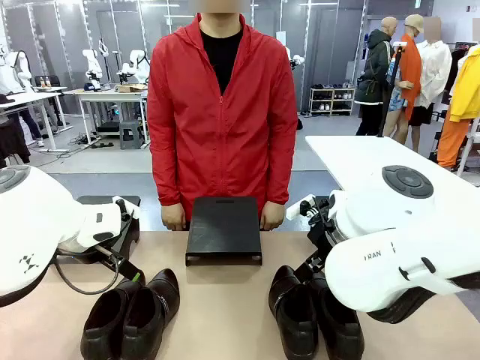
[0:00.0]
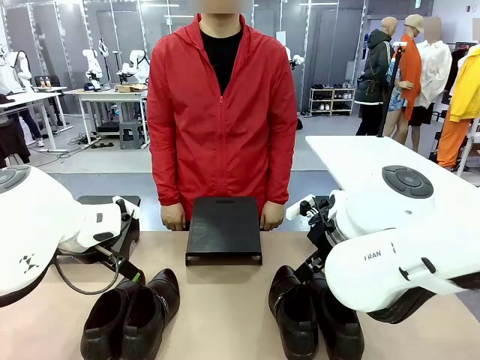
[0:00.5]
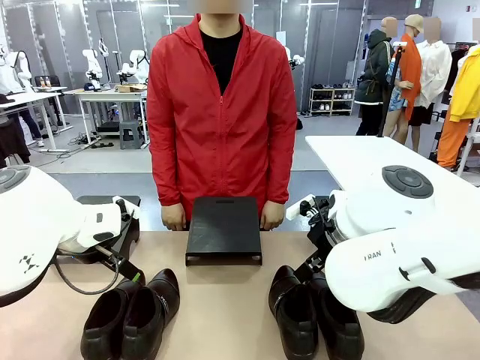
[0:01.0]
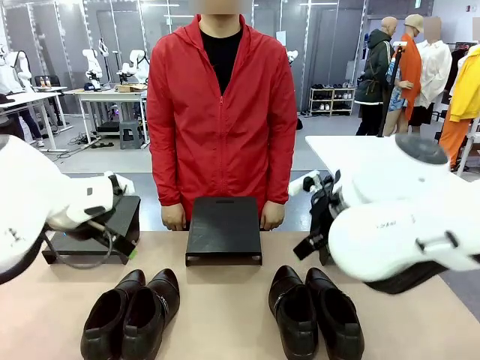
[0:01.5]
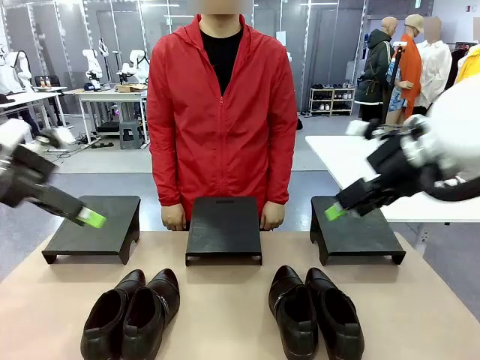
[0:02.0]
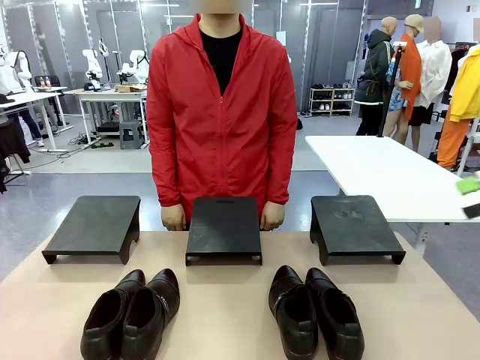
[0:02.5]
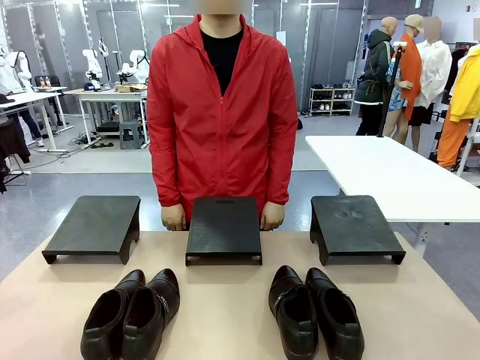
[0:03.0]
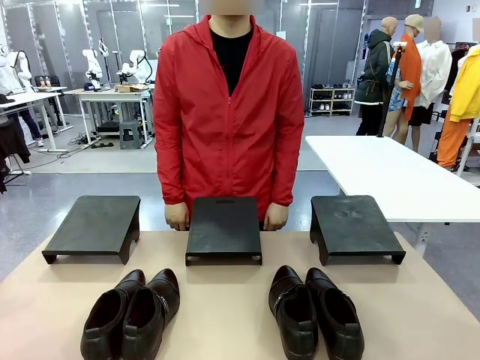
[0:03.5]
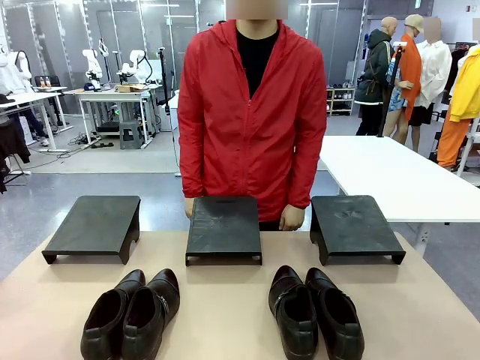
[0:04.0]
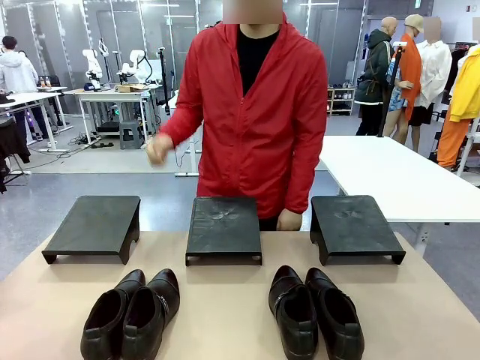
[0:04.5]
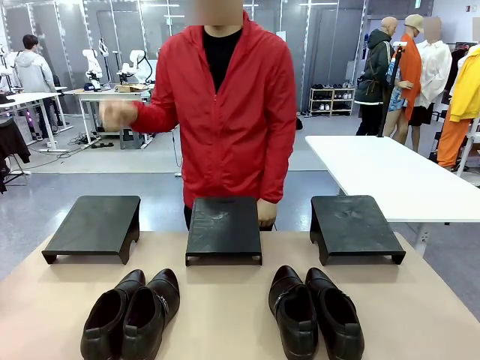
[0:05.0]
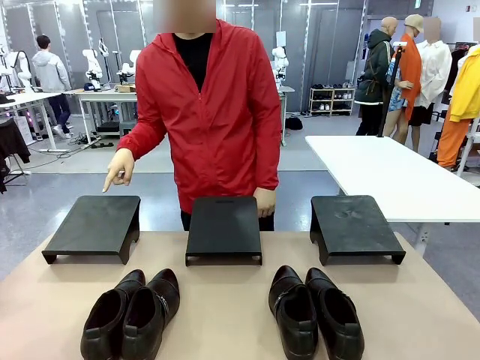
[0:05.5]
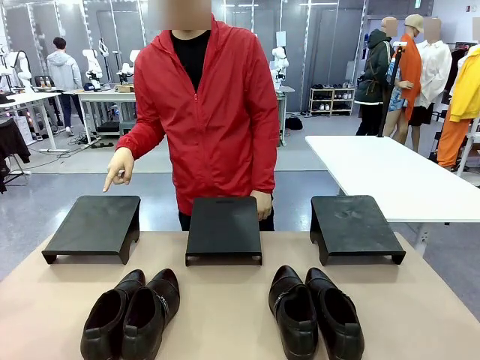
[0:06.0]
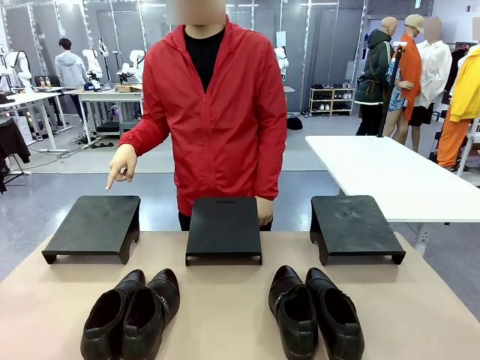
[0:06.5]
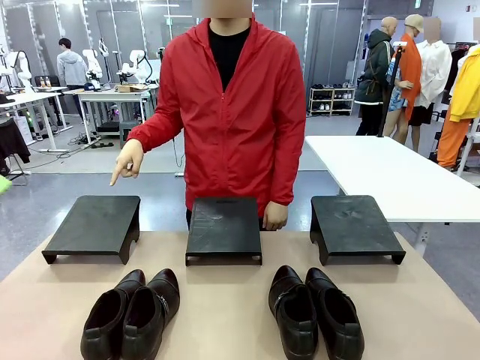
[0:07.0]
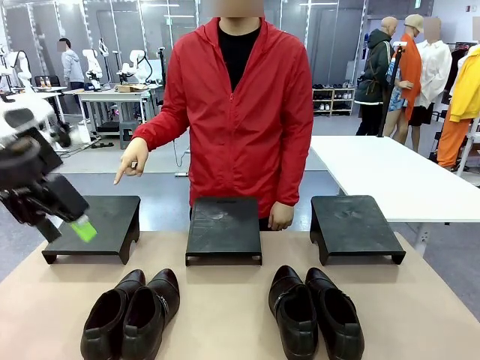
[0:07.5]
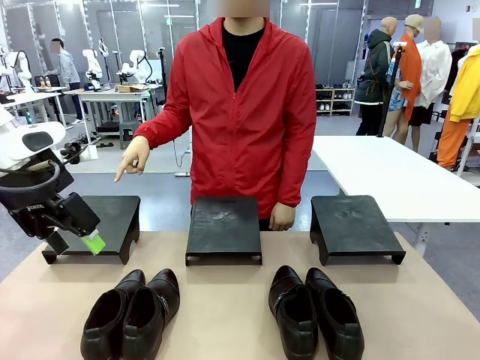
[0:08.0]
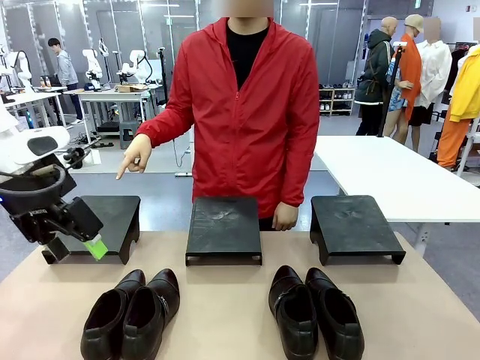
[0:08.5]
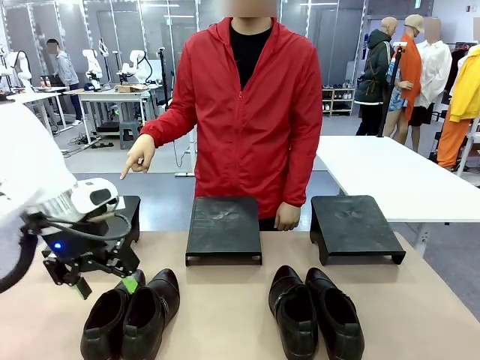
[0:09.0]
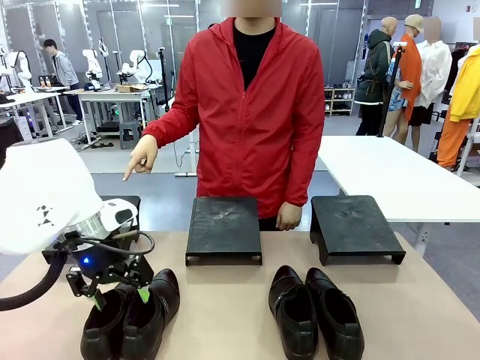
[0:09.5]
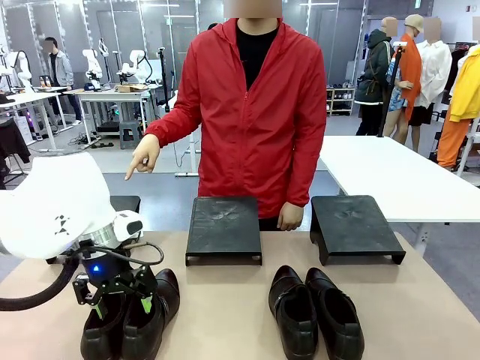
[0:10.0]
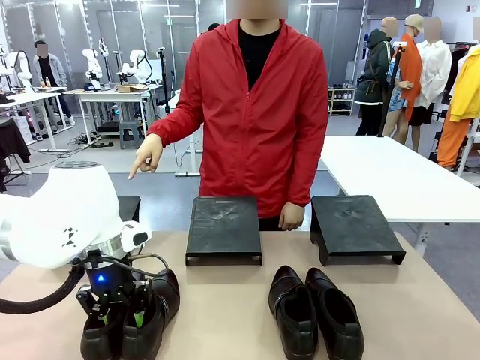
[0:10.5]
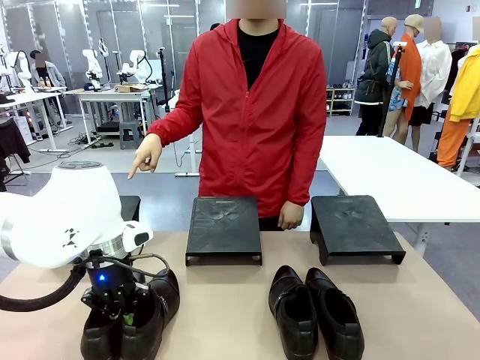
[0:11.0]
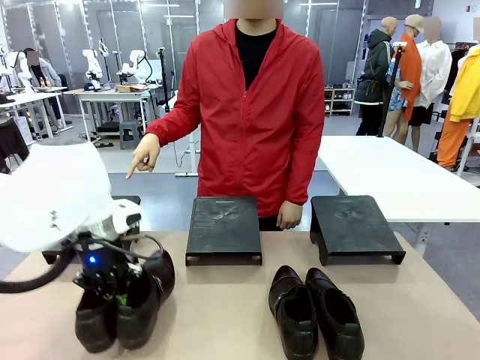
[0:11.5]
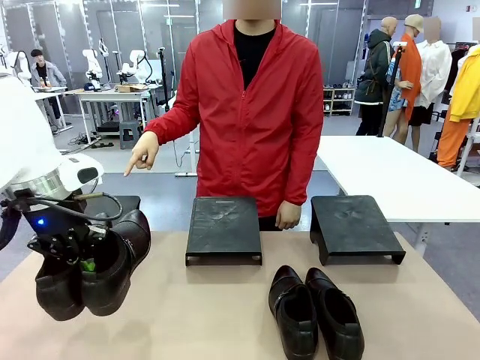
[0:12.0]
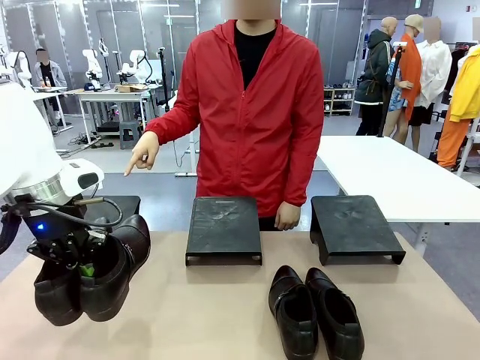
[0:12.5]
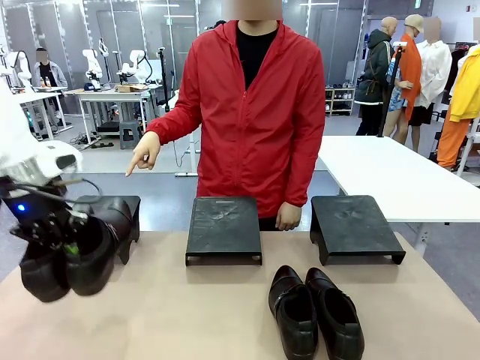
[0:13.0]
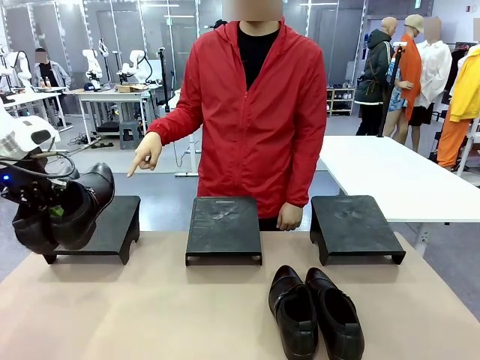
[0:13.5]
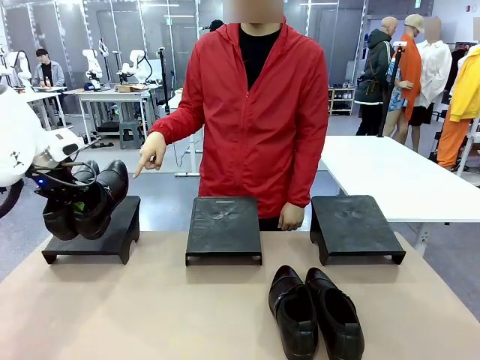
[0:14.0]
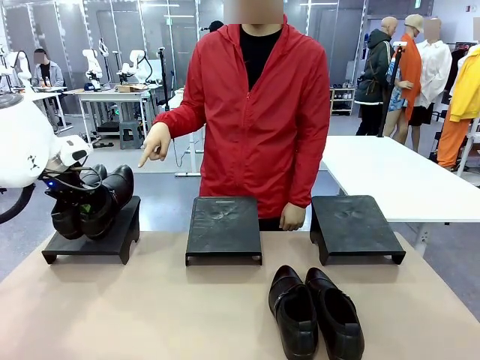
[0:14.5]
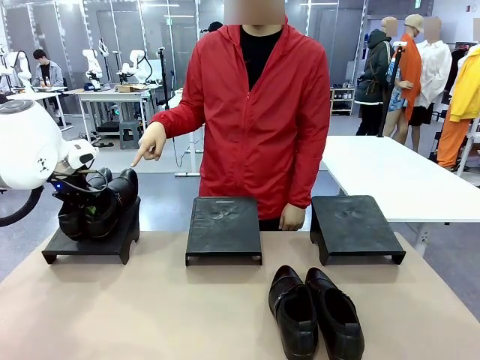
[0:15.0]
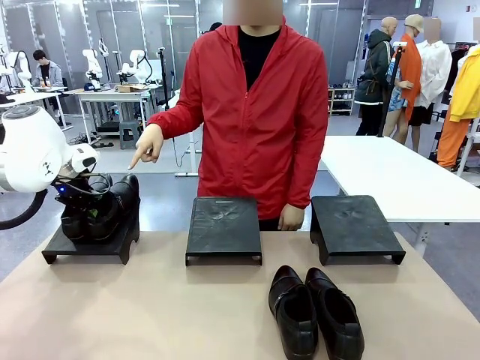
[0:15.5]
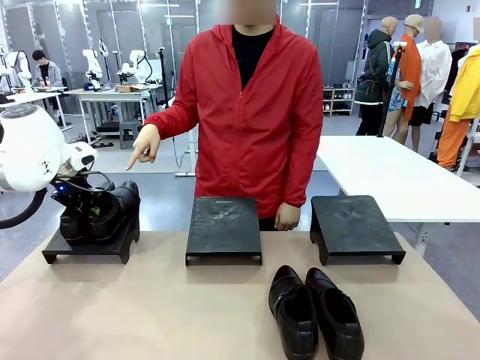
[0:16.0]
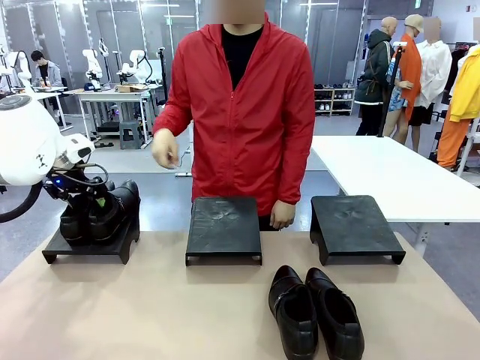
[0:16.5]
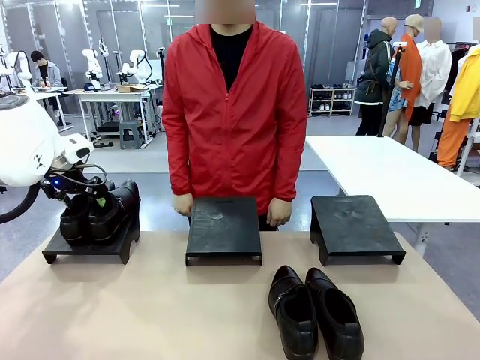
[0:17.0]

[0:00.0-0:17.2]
Task: Place the shoes on the stand as instructed by the person.
Robot: Pick up one pair of Shoes and place it on the Shoes Stand indicated by the person.

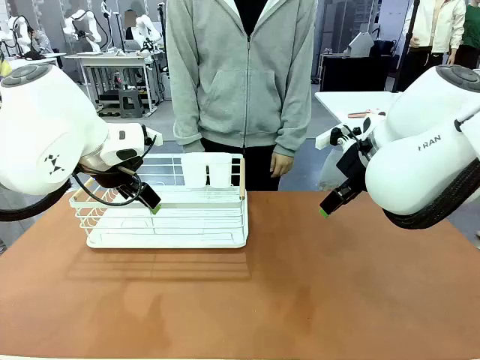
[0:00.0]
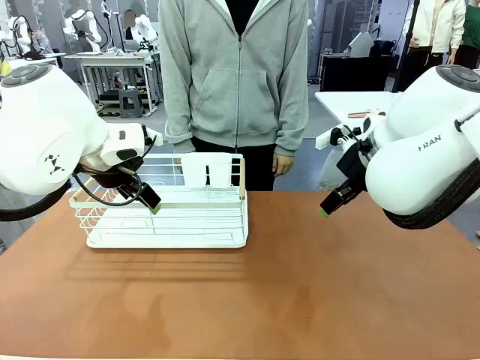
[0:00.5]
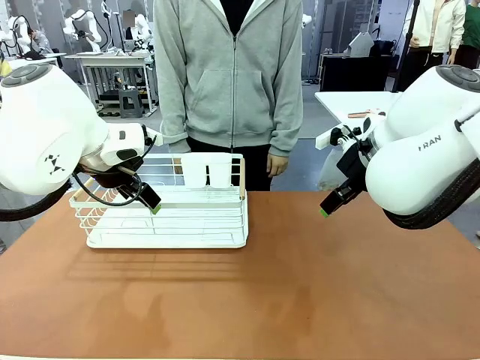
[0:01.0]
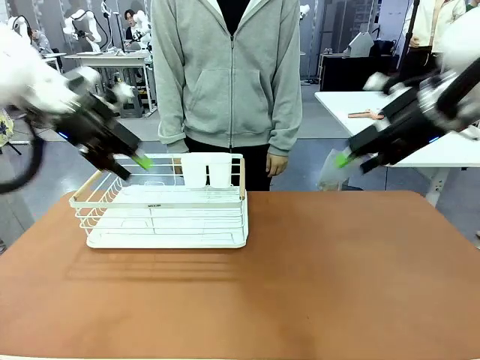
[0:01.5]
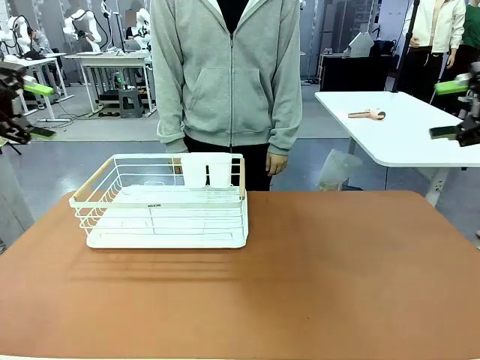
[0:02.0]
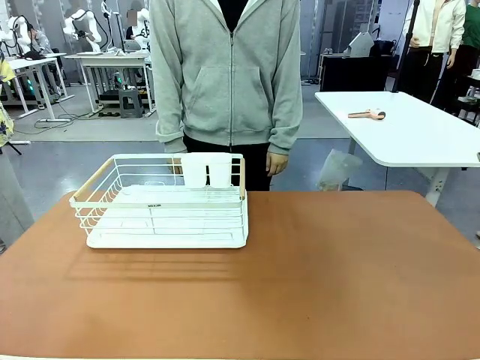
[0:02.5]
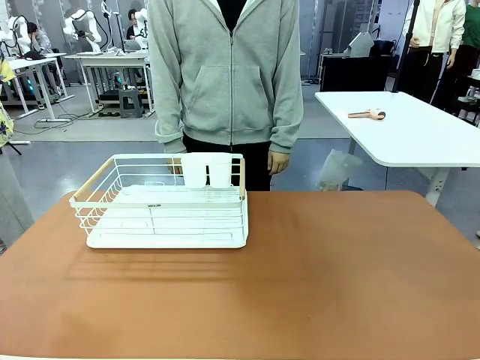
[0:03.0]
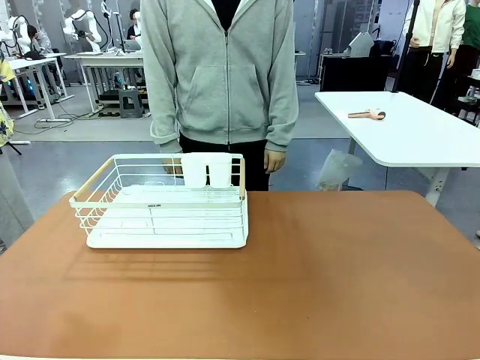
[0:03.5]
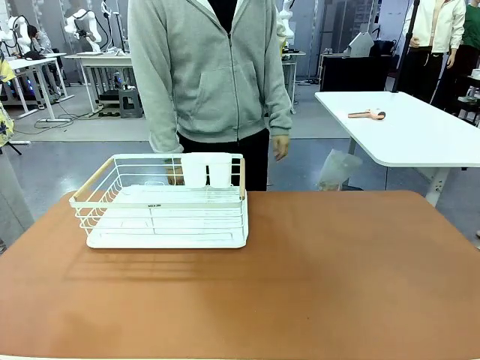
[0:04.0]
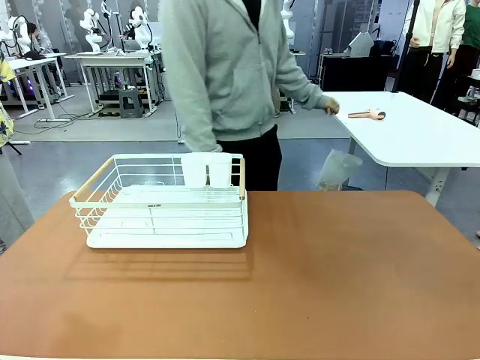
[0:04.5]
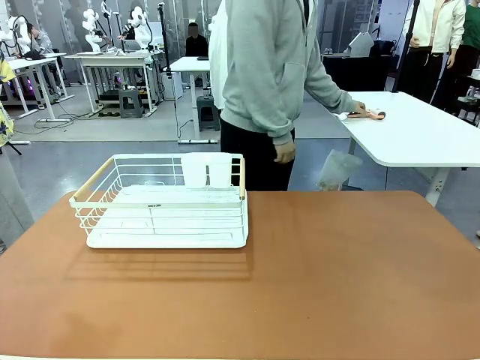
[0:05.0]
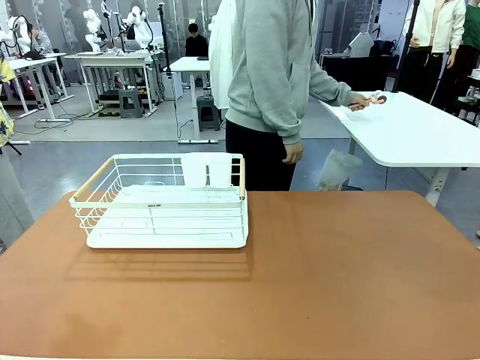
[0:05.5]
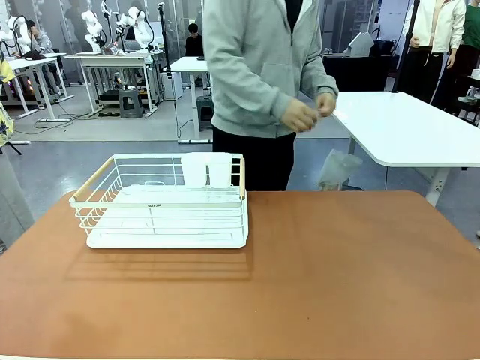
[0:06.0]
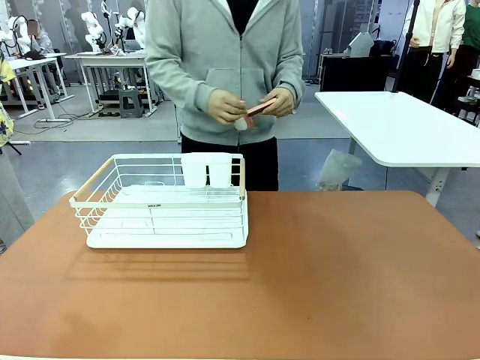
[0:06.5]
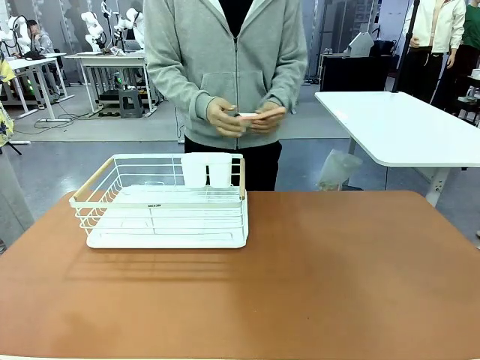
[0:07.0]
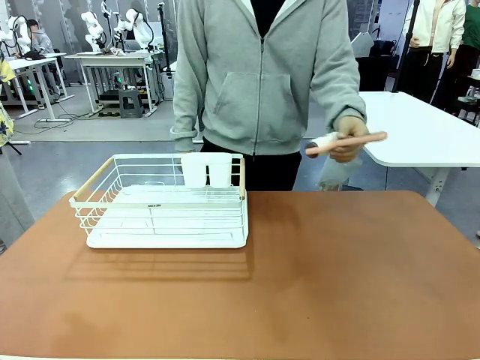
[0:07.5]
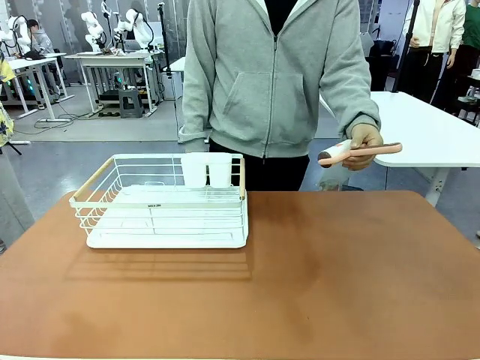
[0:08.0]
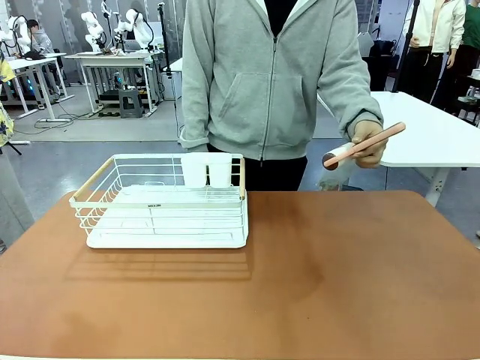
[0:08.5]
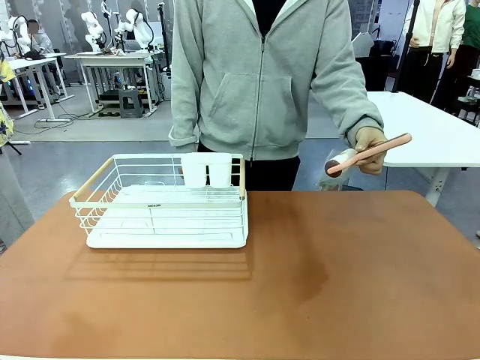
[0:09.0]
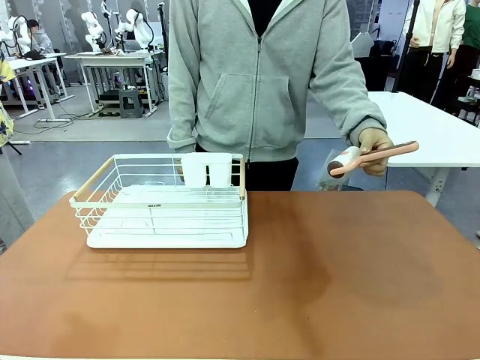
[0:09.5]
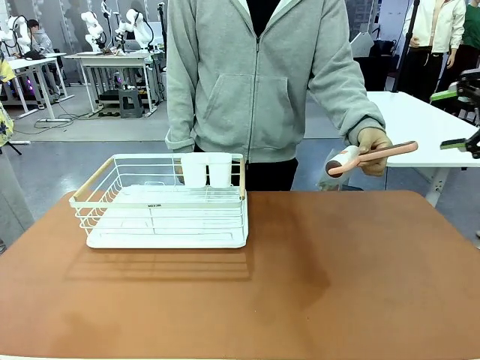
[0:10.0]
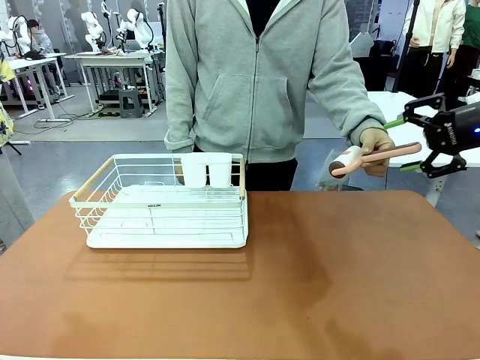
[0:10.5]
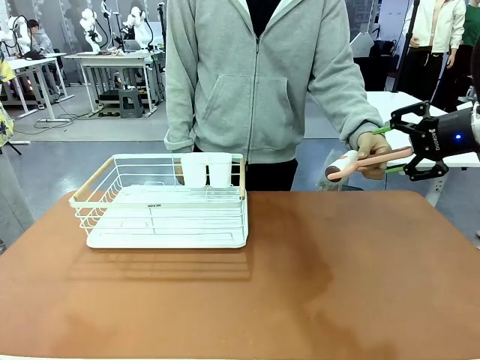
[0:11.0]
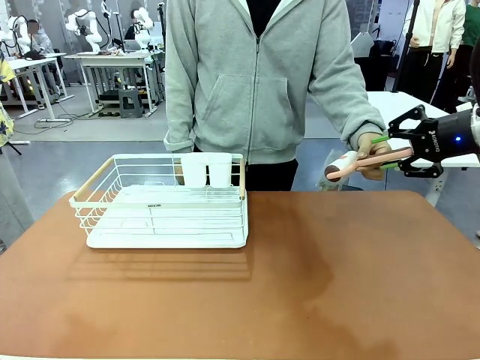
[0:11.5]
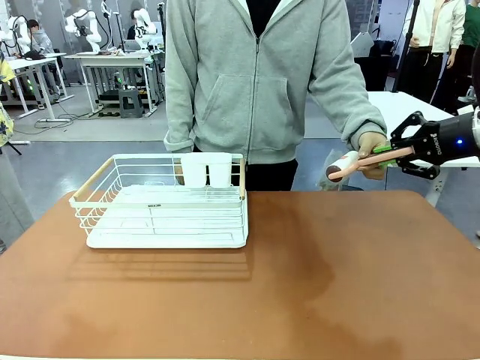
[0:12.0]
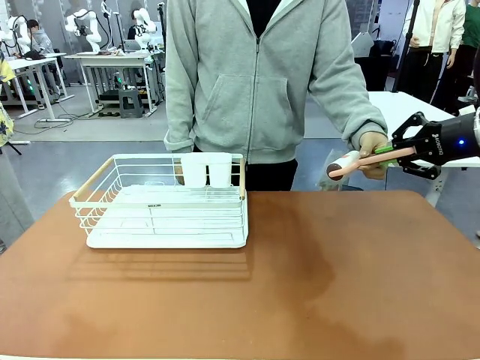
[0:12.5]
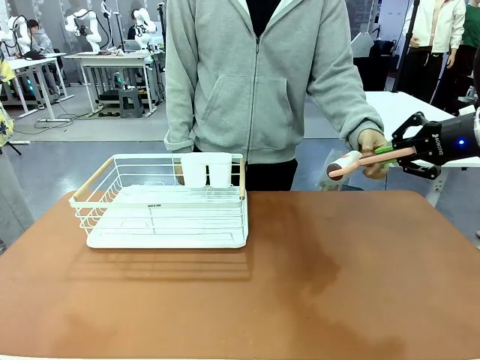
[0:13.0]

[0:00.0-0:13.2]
Task: Clean the table.
Robot: Pick up the Lint Roller when the human hands it over.
Person: Hand the Lint Roller to the robot so it can easily pick it up. Lift the Dish drying rack.
